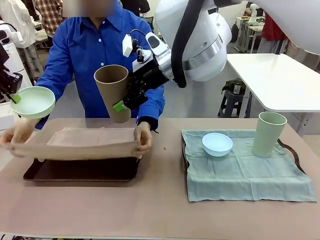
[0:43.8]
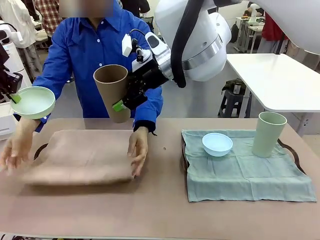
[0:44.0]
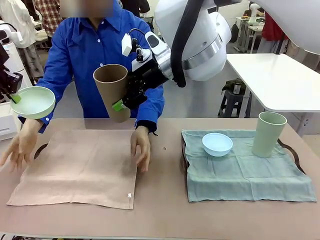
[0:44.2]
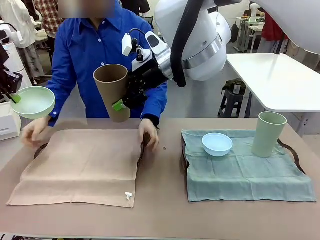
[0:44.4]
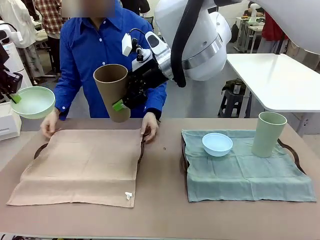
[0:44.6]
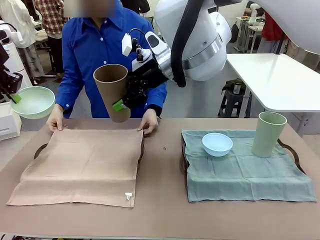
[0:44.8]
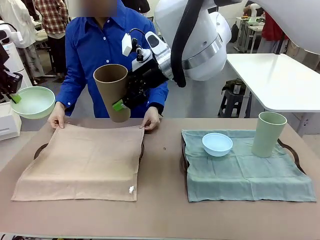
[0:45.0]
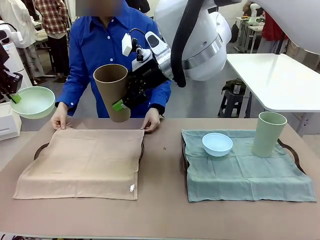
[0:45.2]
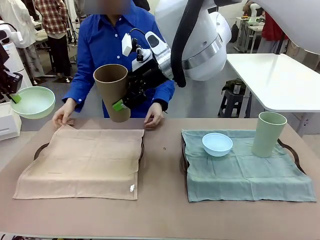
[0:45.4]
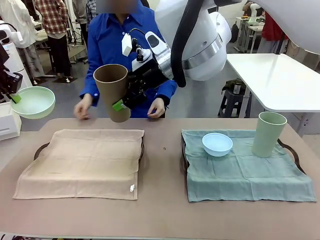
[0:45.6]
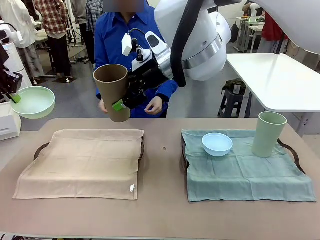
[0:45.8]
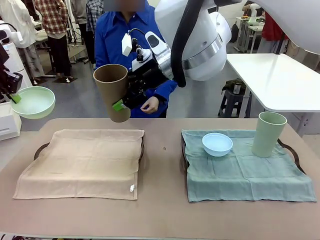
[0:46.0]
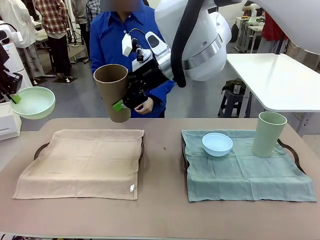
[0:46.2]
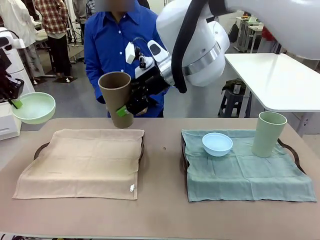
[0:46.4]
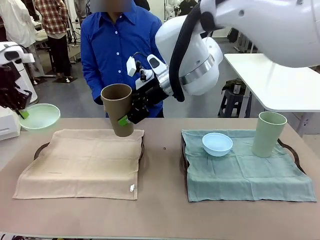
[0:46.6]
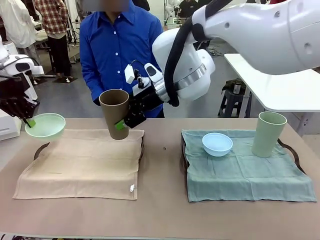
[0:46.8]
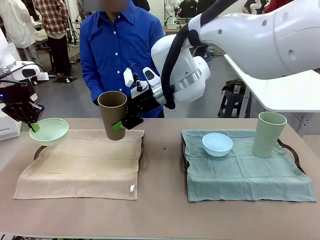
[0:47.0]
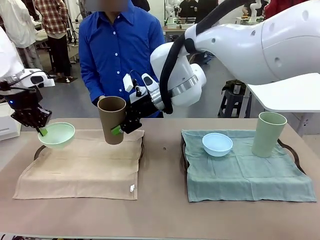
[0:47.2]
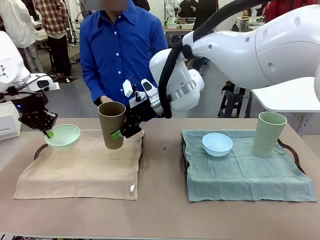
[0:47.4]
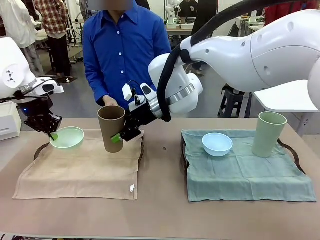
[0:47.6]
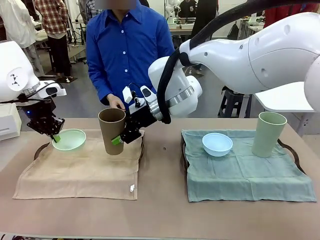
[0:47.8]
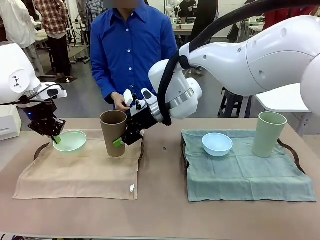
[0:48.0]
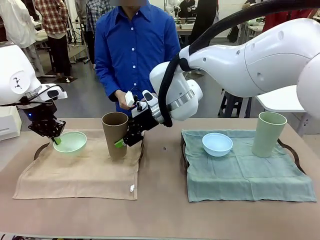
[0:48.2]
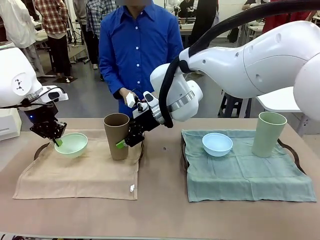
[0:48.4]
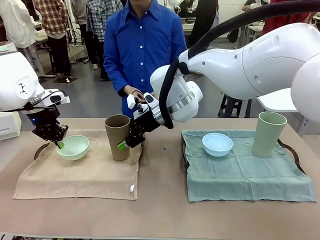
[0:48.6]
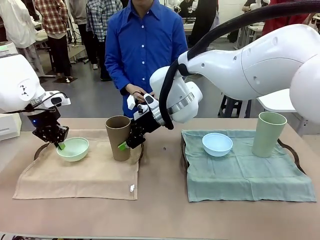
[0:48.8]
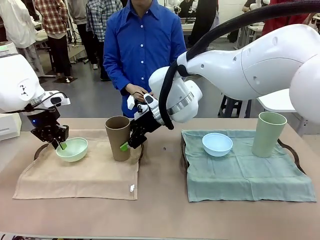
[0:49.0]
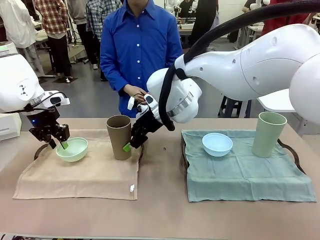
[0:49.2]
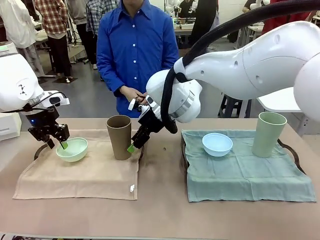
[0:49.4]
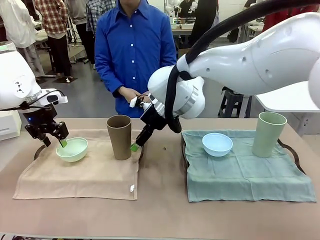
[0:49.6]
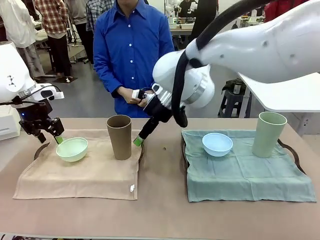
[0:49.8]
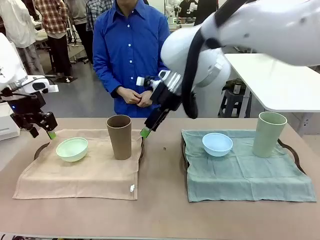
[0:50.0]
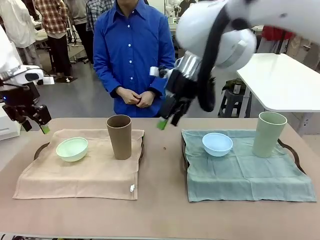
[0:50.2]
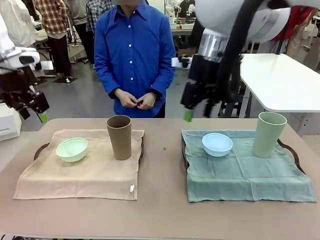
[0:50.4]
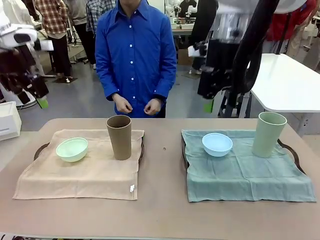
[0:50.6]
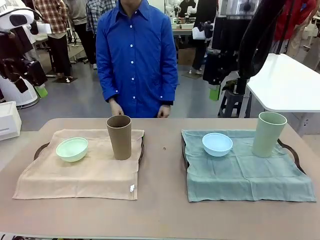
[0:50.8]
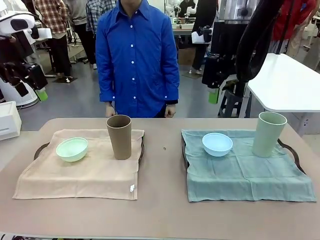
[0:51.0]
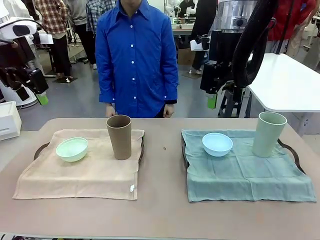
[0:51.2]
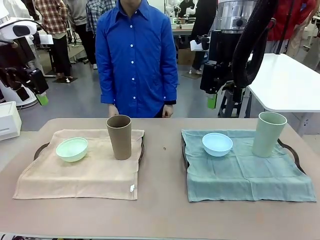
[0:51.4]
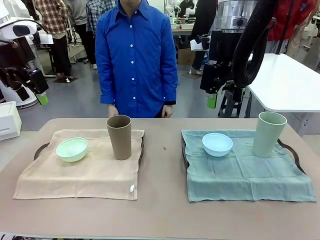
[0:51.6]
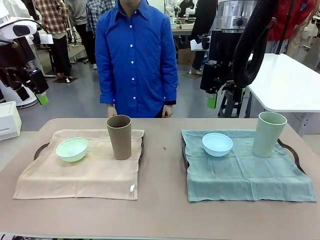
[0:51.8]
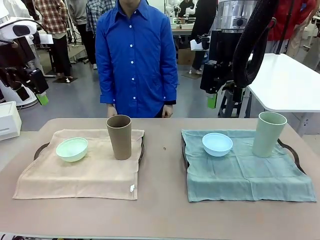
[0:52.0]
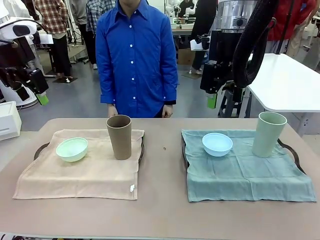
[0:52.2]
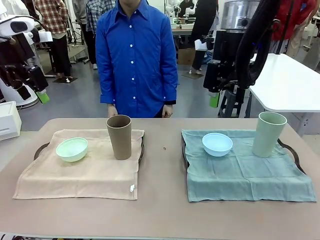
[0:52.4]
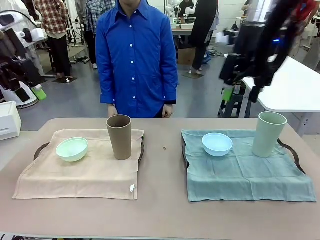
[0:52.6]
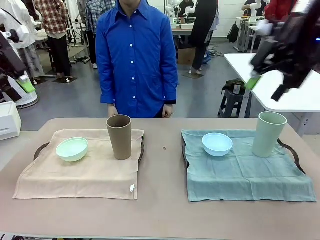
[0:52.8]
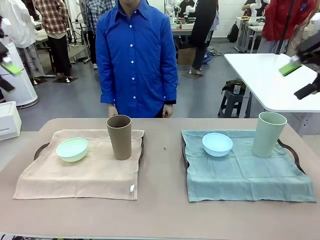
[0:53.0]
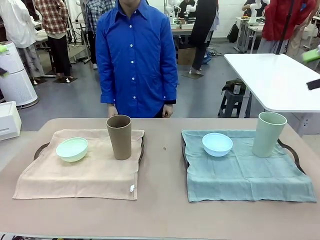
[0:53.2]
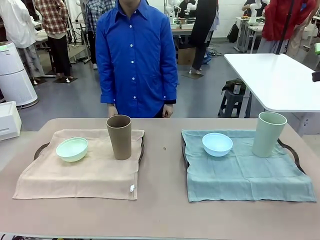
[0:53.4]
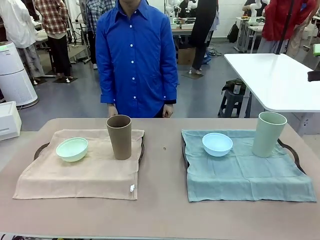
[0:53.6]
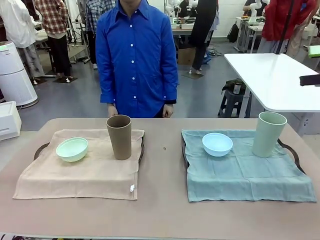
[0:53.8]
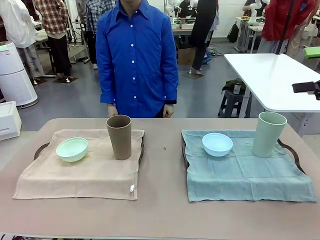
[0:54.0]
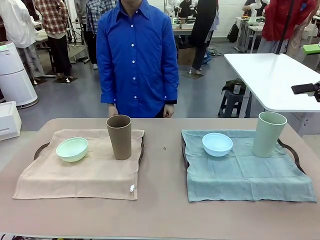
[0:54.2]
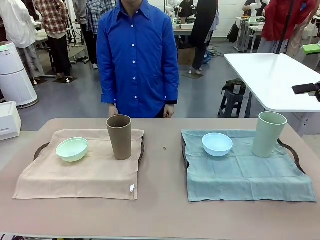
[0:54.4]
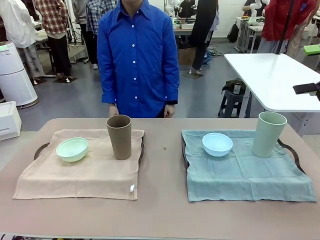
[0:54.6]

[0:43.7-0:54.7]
Robot: Place the Picnic Bowl and Reusable plastic cup back onto the Handle tray in front of the human's position.

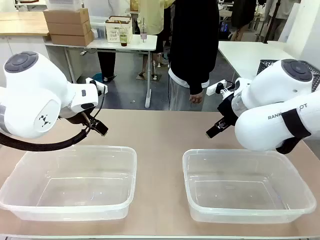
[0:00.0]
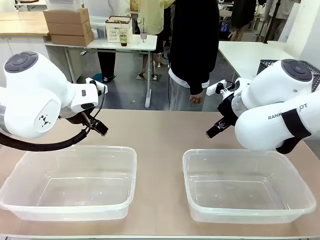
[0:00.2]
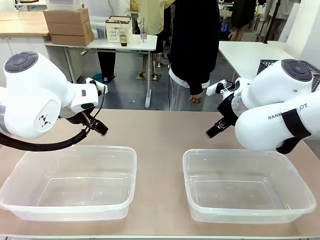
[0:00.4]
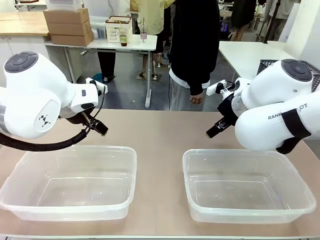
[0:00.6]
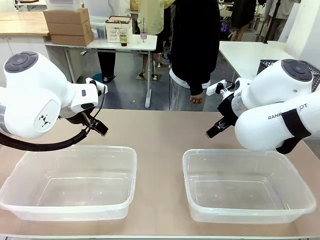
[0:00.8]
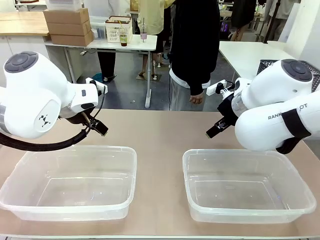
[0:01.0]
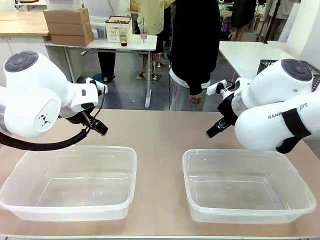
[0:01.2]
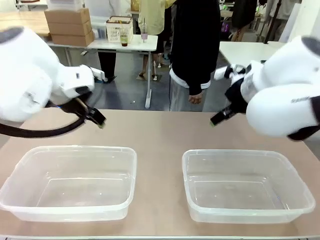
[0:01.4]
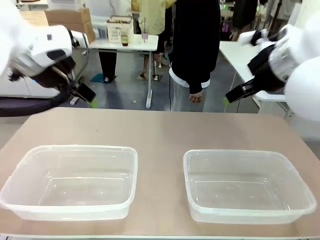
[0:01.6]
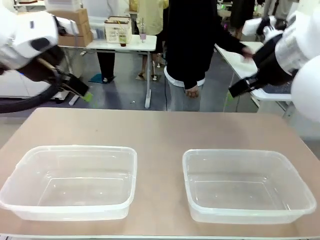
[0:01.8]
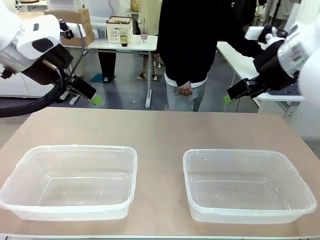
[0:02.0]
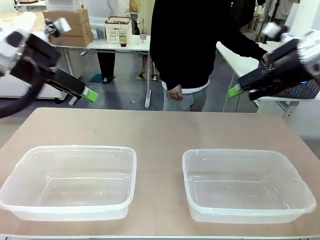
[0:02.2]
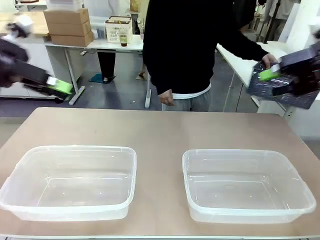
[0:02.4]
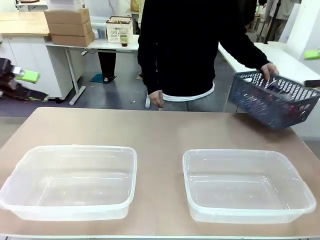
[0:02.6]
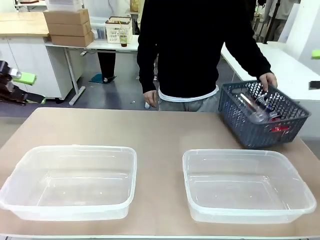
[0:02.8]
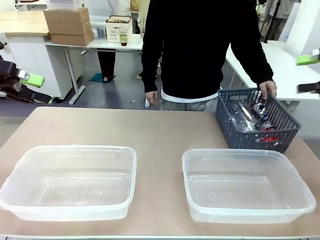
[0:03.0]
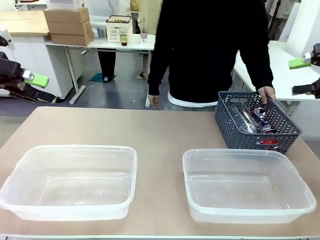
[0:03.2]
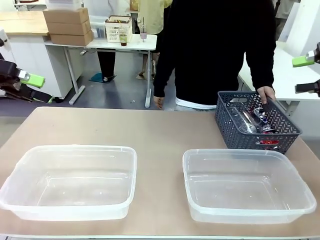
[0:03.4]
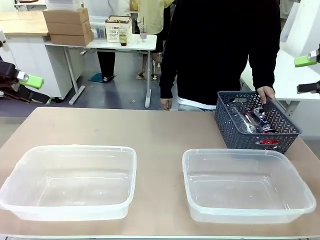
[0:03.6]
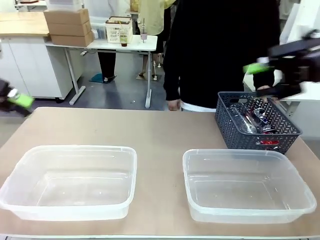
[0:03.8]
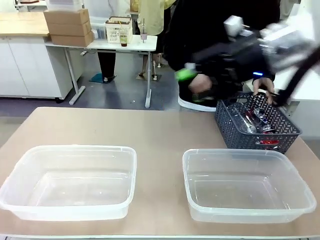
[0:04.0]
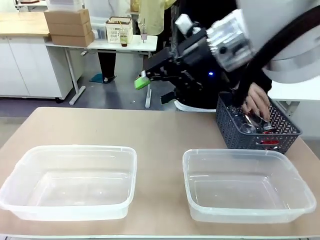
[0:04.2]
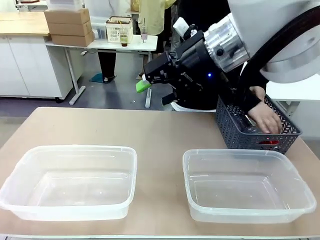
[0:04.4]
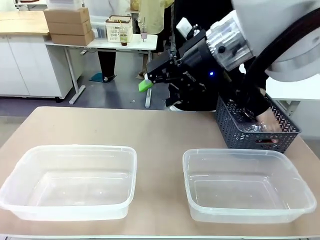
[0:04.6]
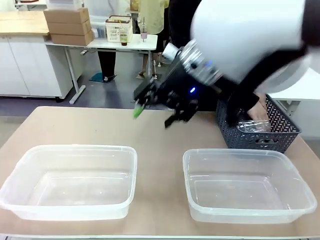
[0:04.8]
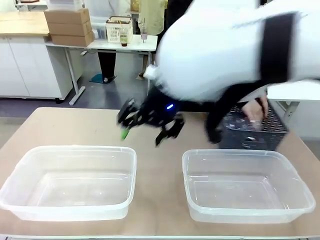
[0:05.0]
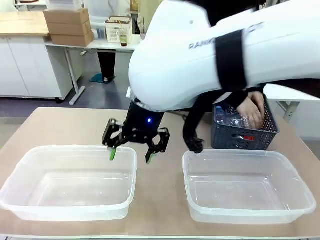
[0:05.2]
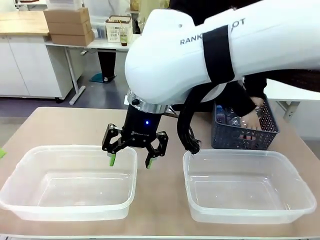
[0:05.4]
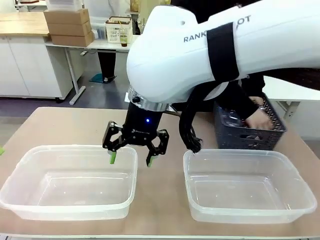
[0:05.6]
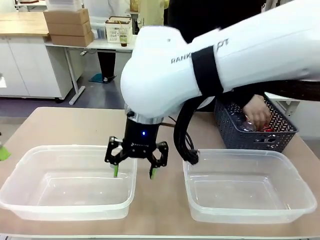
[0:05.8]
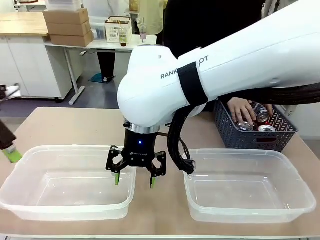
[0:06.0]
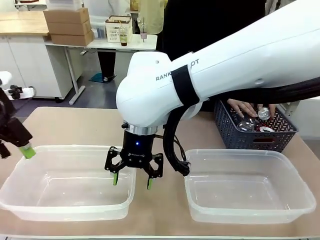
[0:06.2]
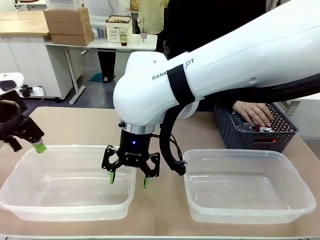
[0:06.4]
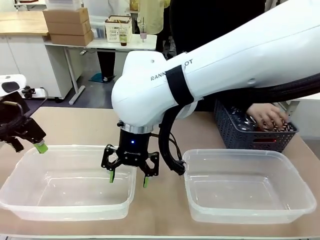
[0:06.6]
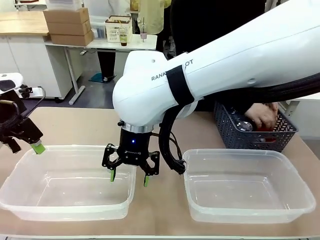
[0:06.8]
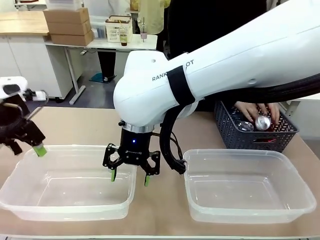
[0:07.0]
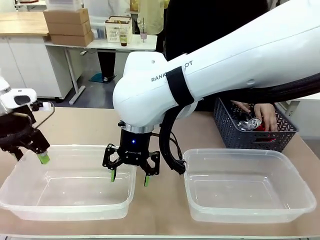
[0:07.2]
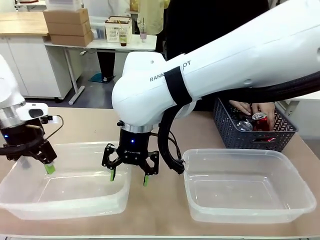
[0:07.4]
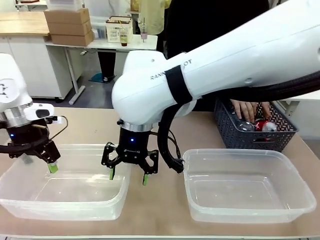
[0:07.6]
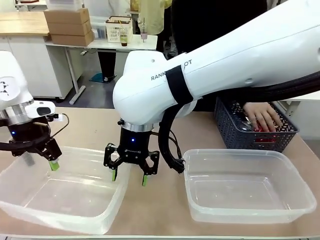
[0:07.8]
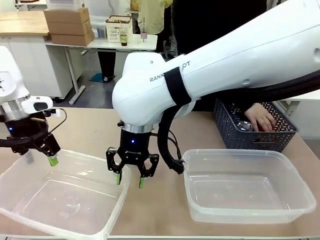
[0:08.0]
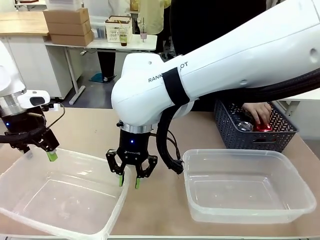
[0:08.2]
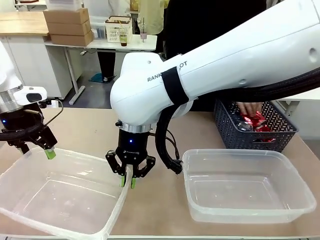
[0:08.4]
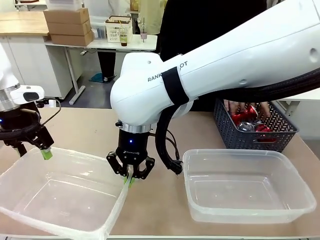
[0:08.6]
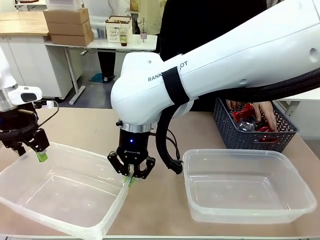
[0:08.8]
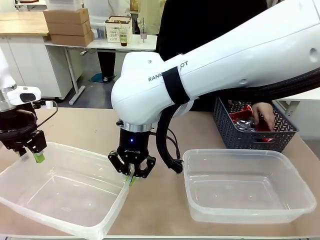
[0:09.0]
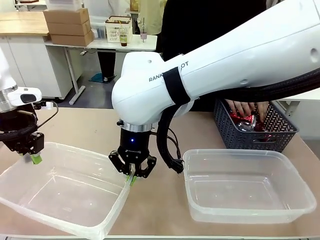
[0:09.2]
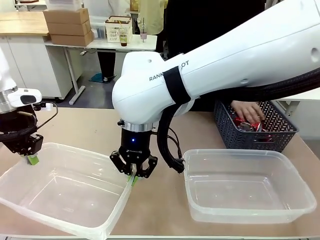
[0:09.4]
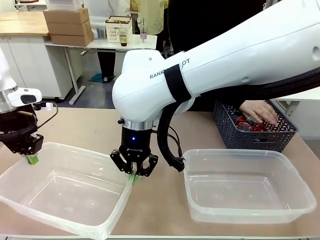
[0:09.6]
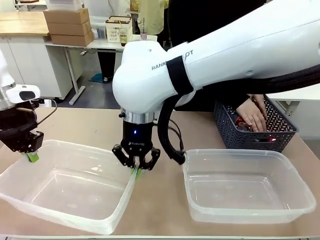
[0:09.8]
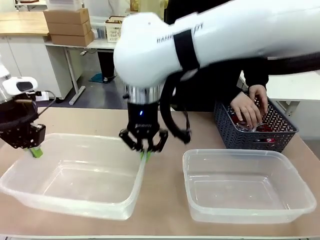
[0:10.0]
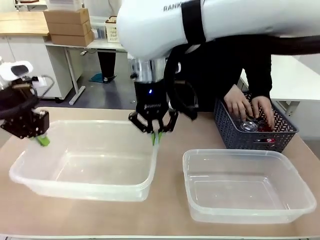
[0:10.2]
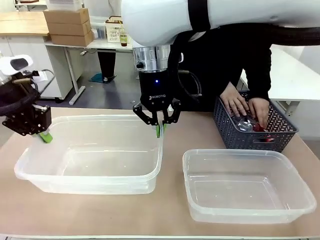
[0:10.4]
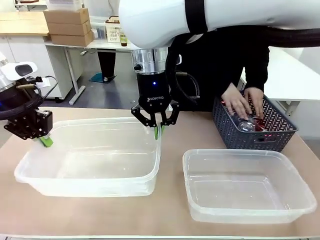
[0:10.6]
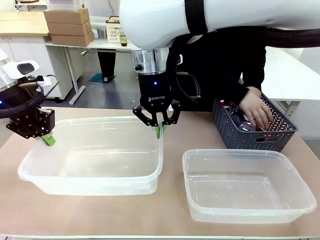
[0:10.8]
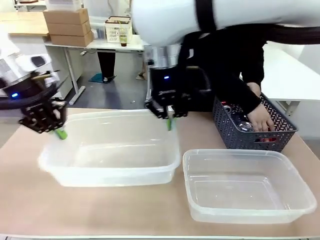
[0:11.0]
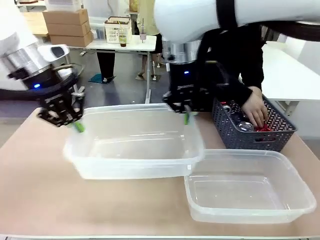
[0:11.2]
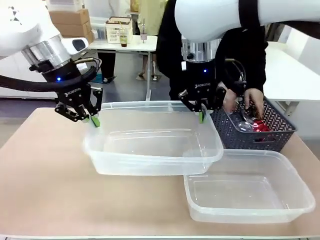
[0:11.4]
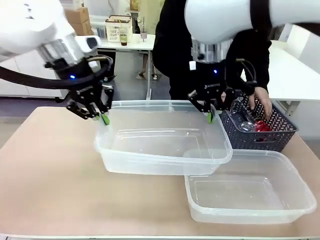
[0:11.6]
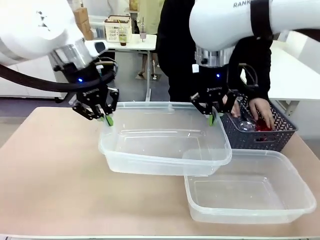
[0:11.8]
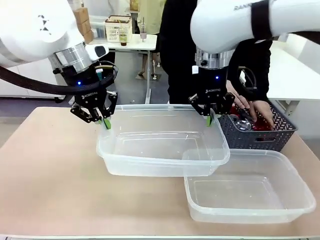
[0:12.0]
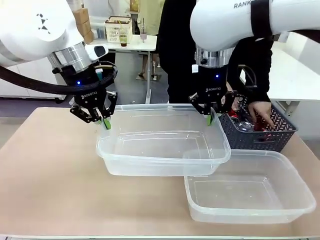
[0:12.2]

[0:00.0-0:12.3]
Robot: Pick up the Organizing box on the left side of the table and lift it.
Person: Pick up the storage basket and place it on the left side of the robot table. Pick up can-shaped waste one by one and place it into the organizing box lifted by the robot.
